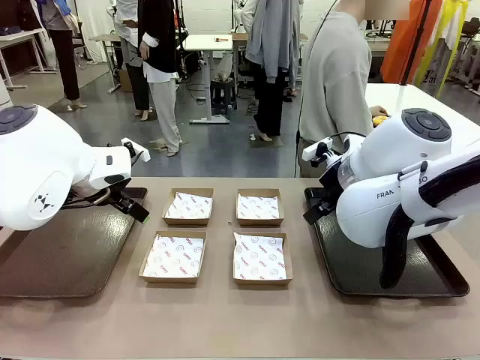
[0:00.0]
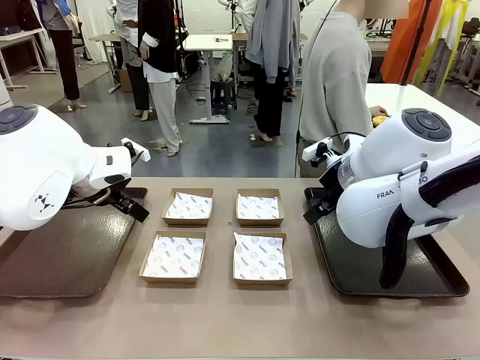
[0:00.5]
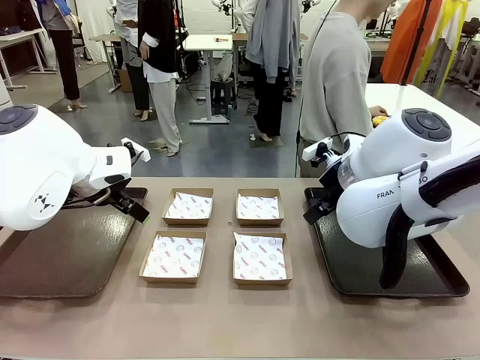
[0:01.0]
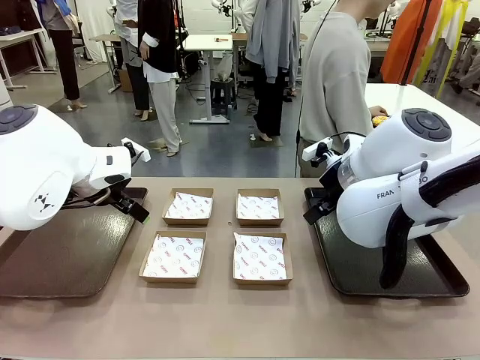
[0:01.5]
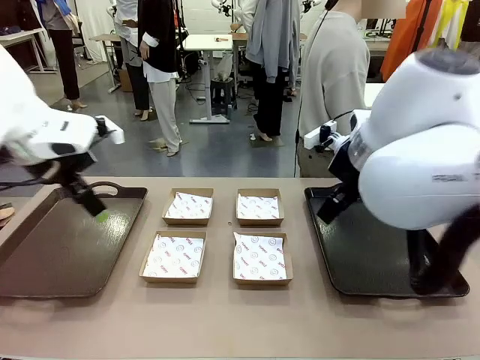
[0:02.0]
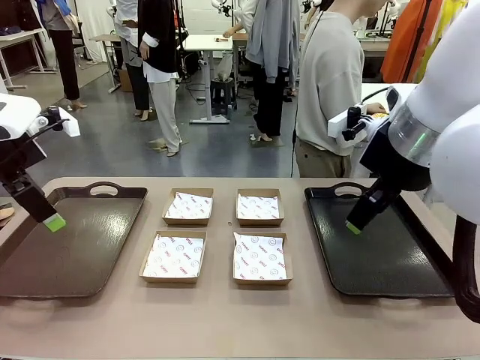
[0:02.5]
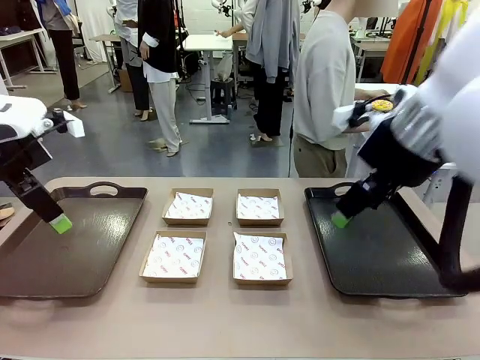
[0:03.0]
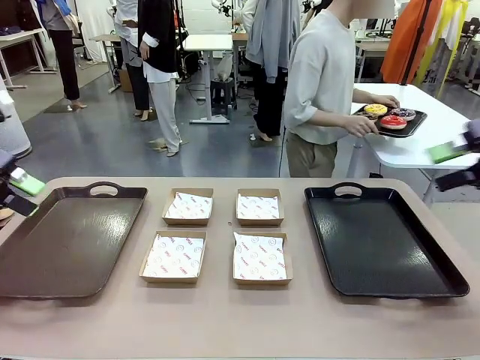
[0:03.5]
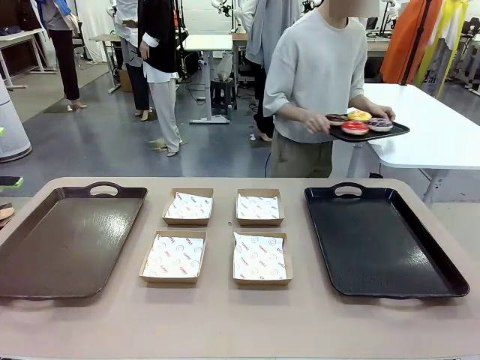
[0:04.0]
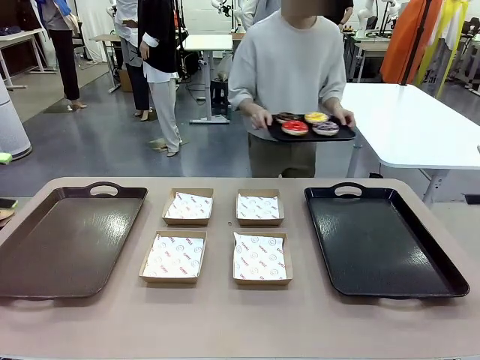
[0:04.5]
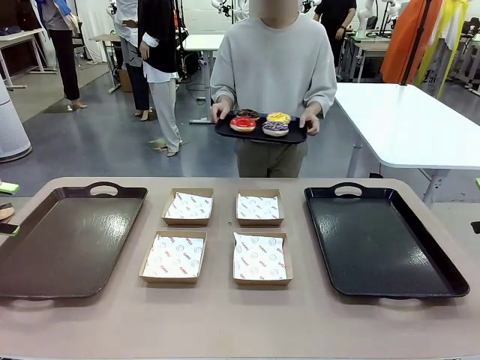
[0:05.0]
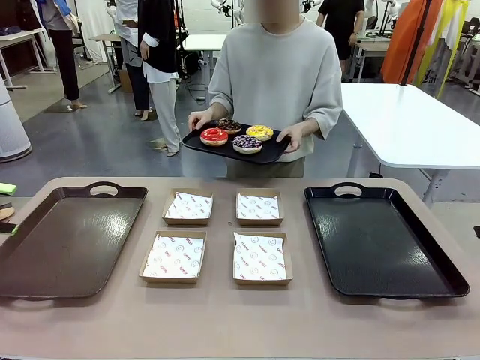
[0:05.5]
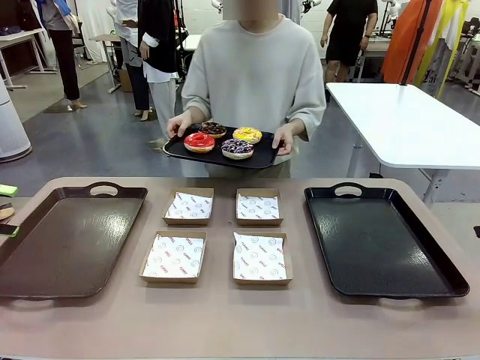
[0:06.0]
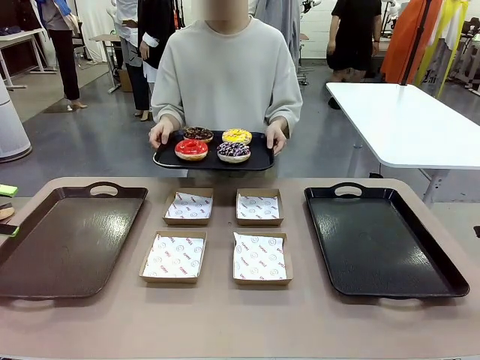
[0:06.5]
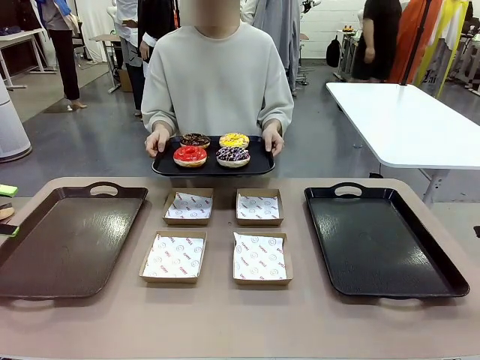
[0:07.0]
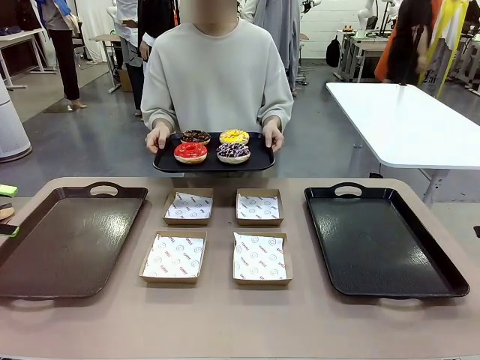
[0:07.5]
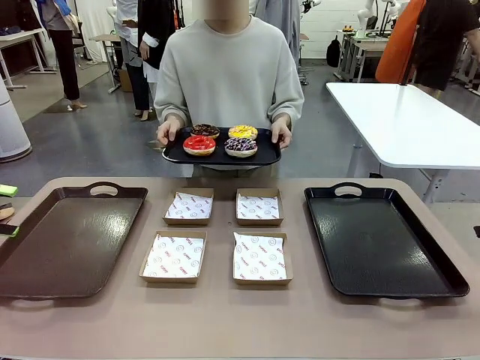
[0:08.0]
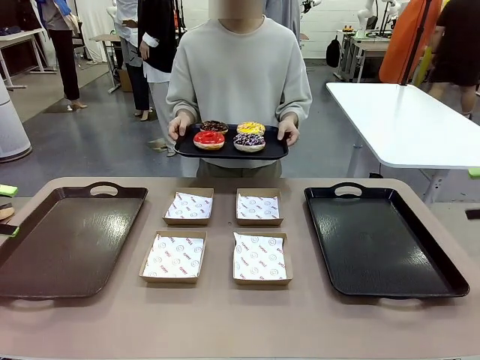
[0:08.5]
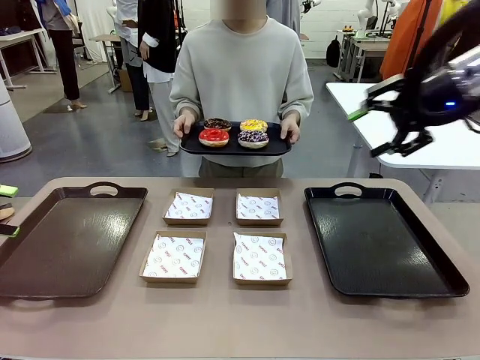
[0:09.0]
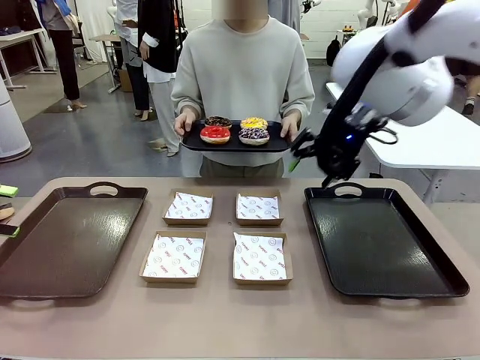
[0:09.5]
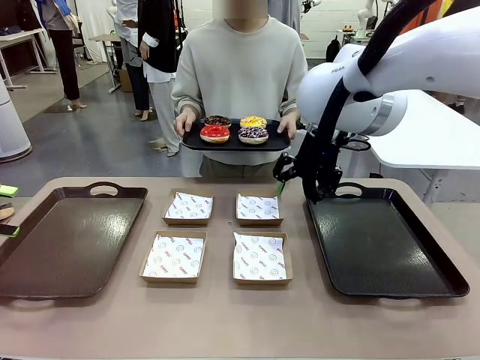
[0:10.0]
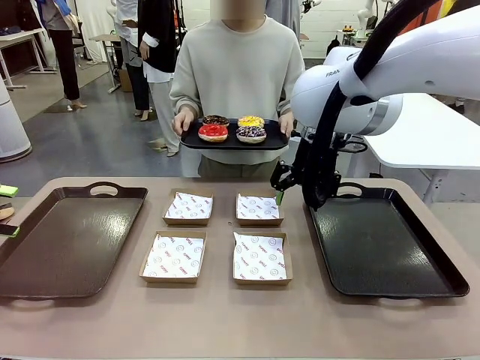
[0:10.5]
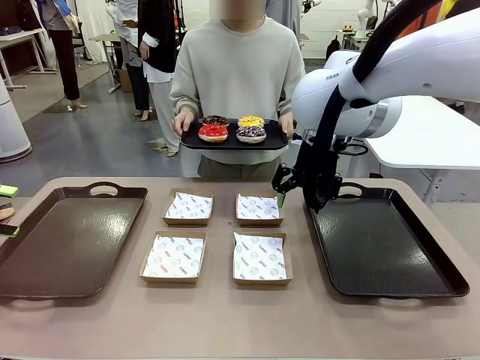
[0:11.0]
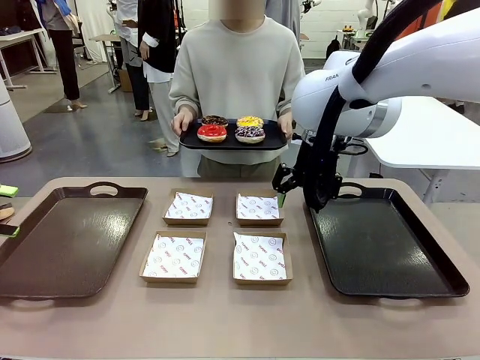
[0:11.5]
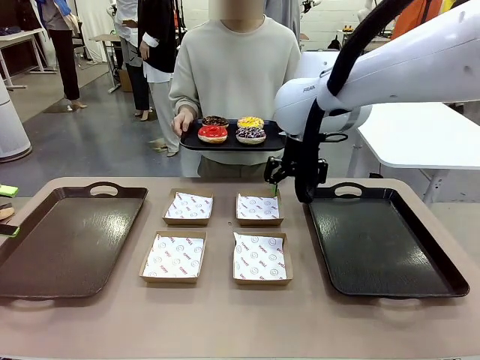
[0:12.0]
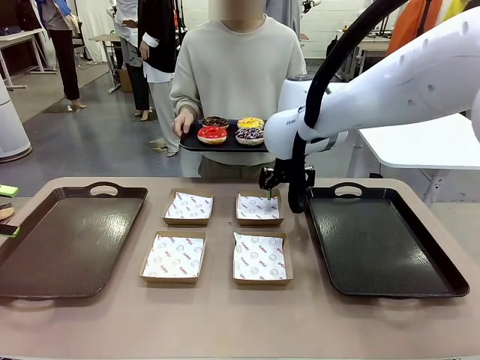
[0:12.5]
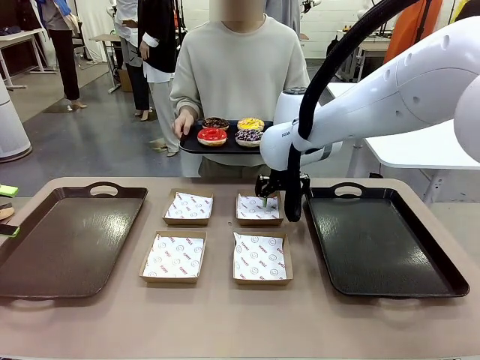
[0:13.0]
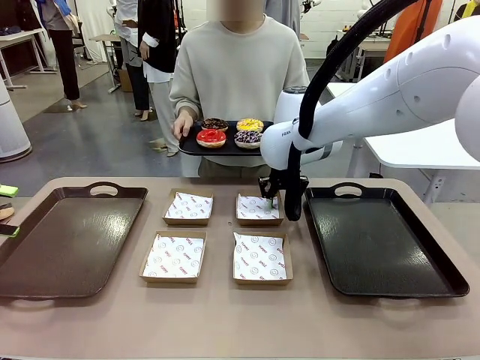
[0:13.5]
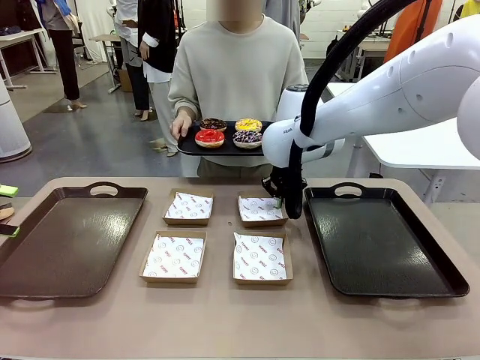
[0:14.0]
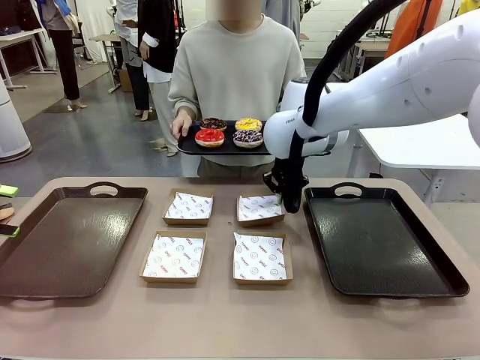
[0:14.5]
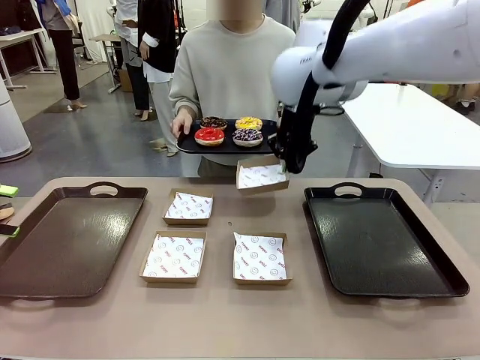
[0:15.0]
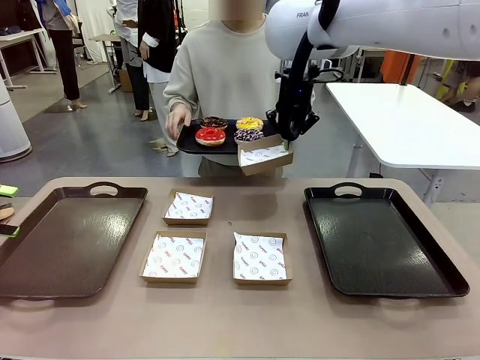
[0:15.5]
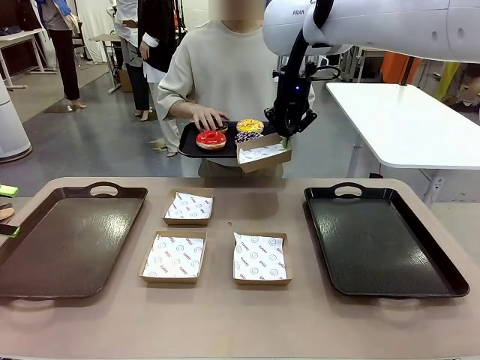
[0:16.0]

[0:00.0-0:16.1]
Task: Individually package the donuts and arrange them on the tray.
Robot: Pick up one Paper togo box.
Person: Stand in front of the robot table holding the tray containing the donuts.

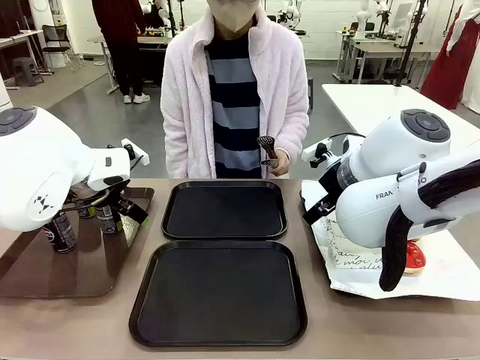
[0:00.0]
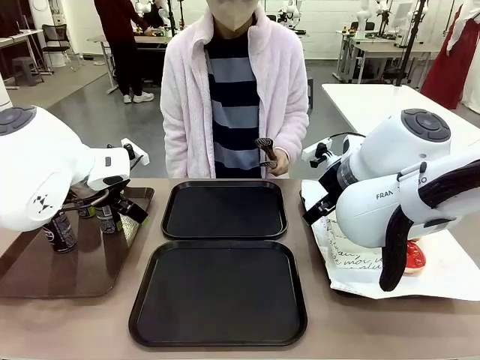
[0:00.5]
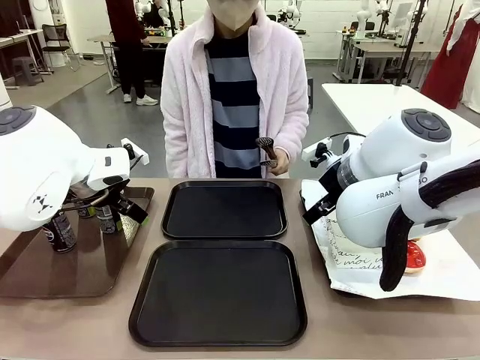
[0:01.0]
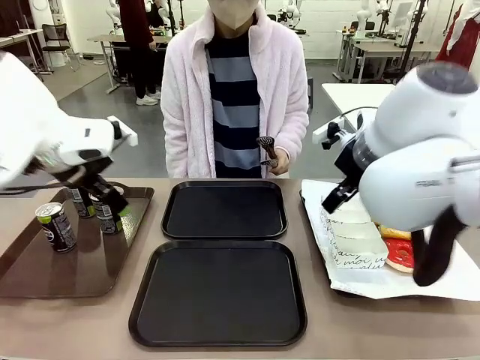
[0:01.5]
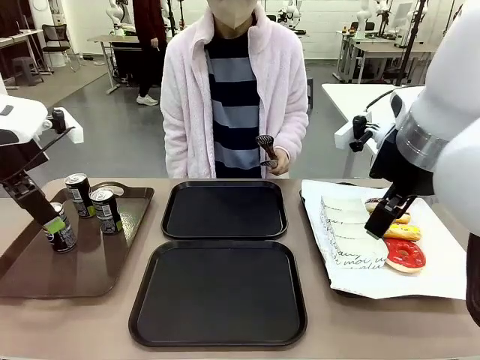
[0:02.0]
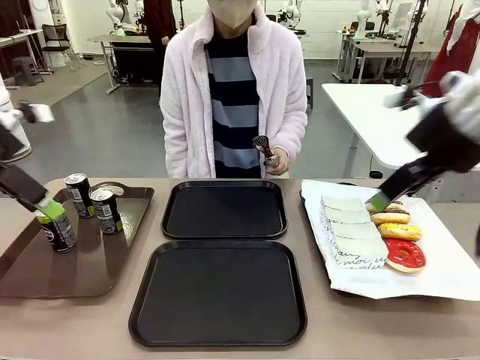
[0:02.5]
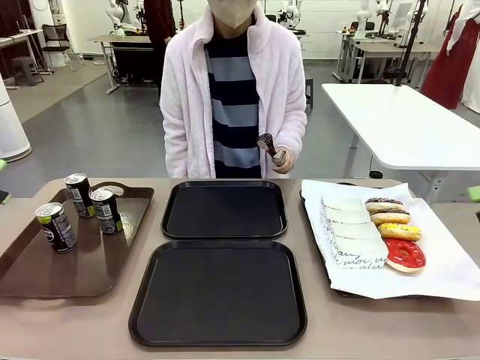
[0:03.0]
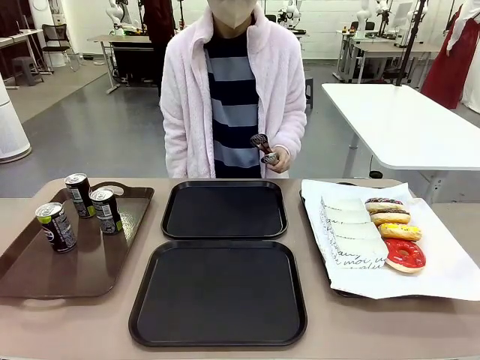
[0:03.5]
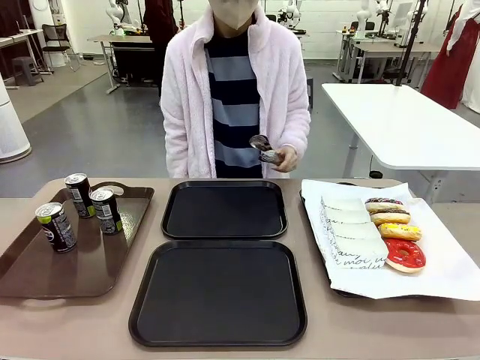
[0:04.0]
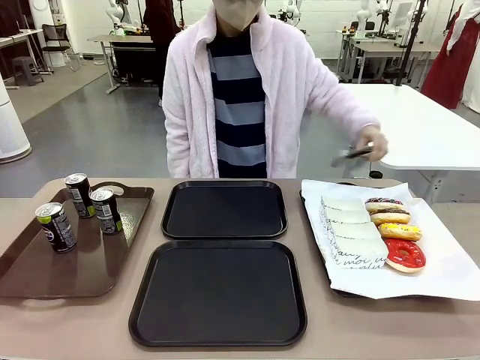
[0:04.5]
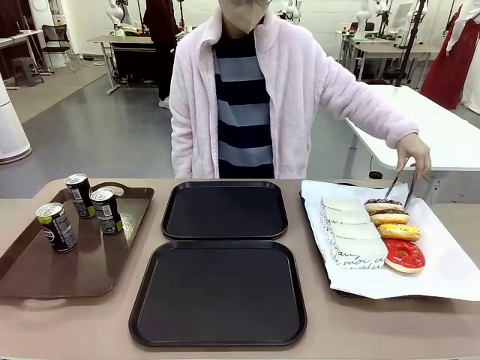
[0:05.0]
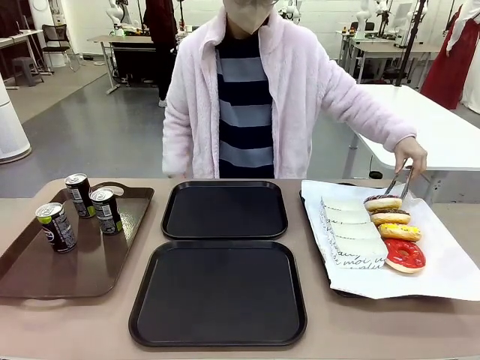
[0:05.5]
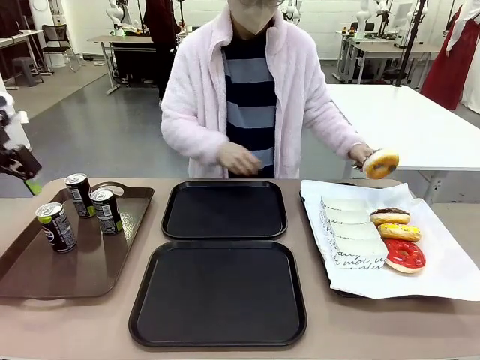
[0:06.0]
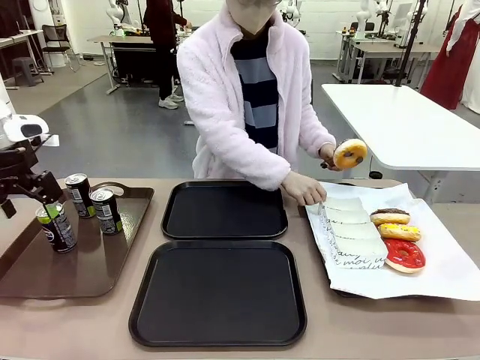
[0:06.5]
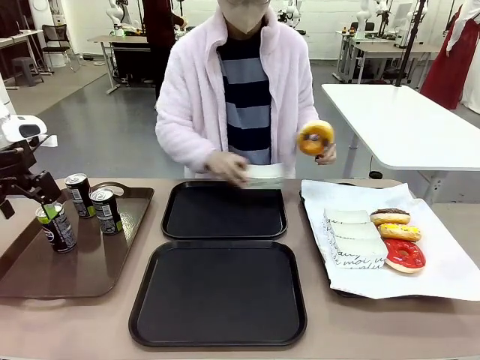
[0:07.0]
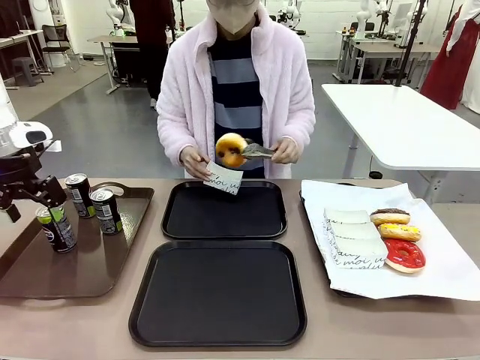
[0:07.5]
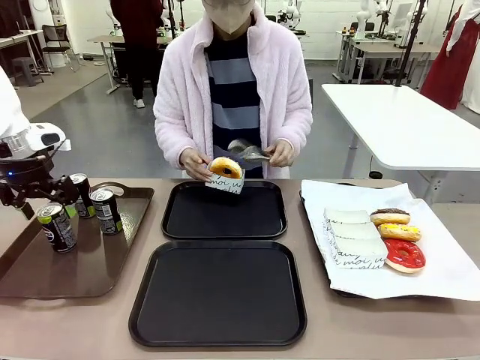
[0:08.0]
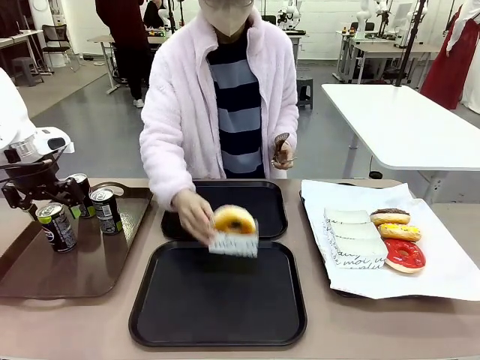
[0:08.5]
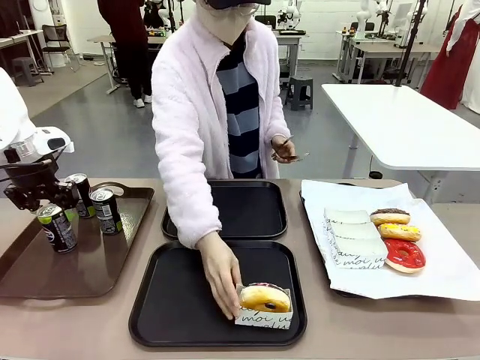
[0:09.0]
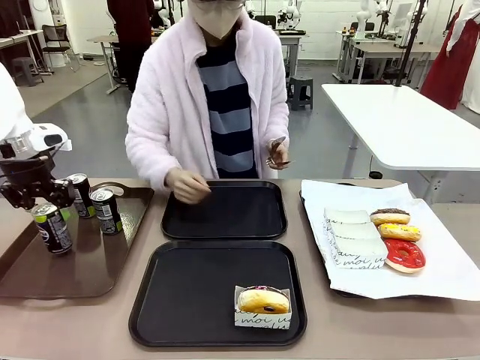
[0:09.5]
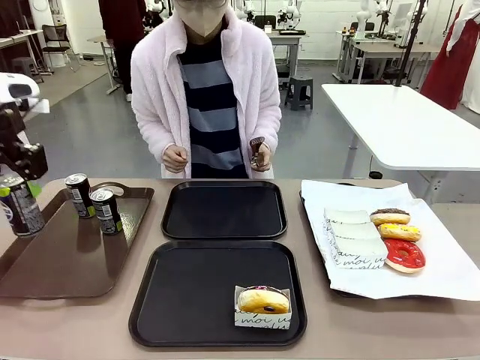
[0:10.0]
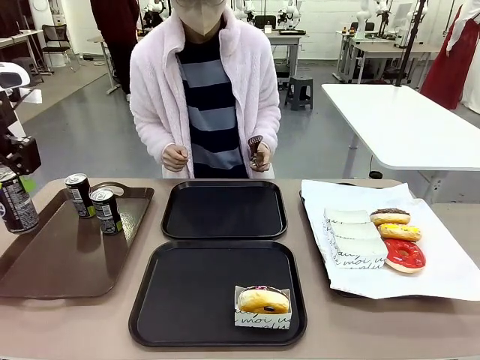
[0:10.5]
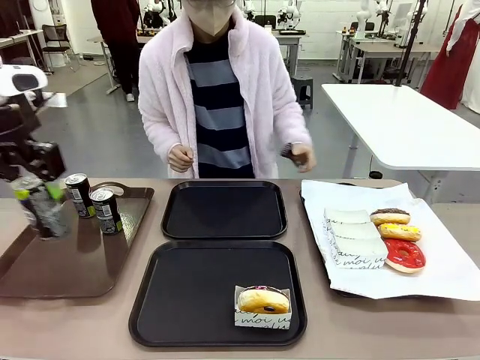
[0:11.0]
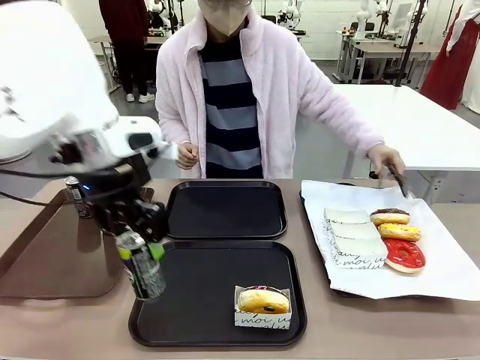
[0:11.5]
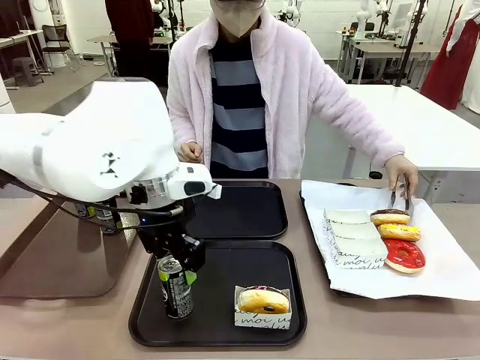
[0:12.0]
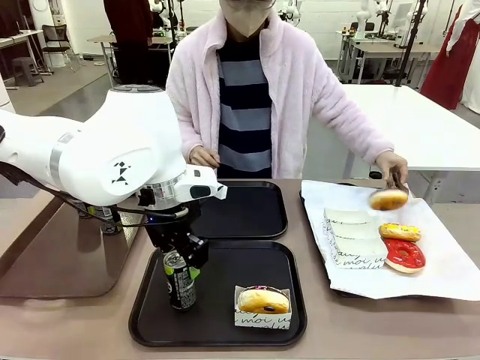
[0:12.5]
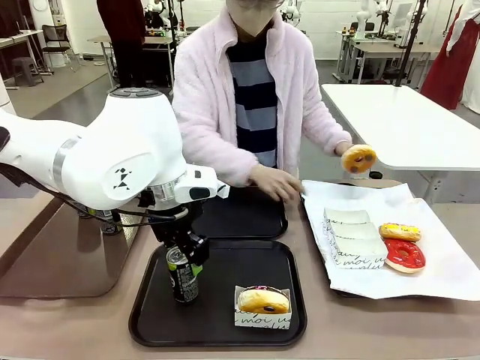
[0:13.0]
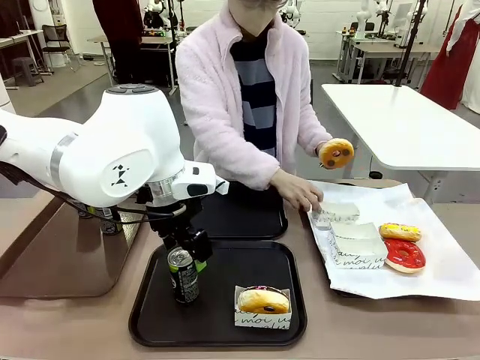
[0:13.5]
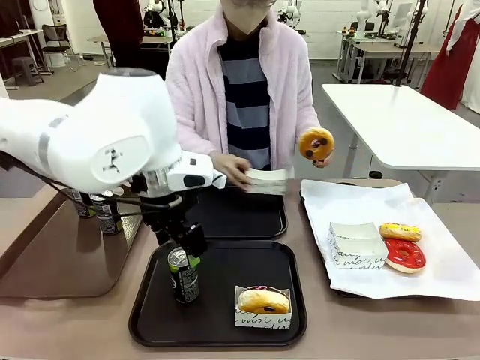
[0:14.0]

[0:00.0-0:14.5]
Task: Set up donuts and drinks on trays.
Robot: Pick up one Pepsi coke and place it on the Flat Tray.
